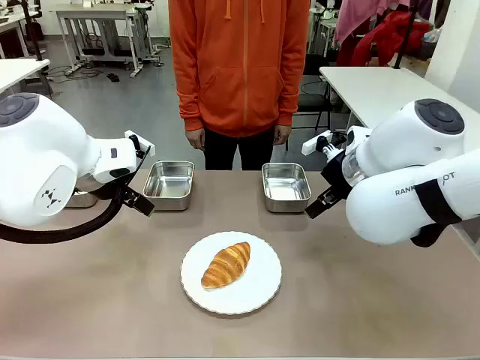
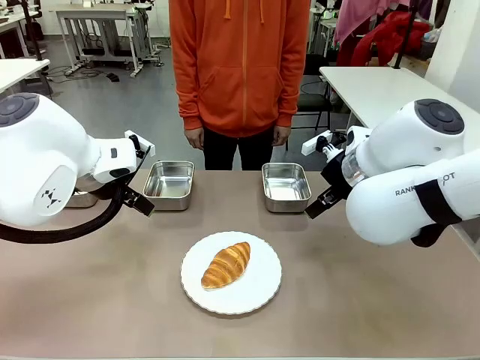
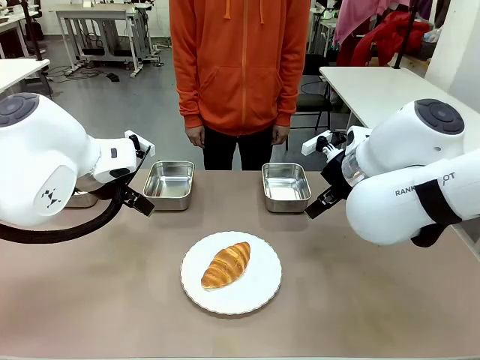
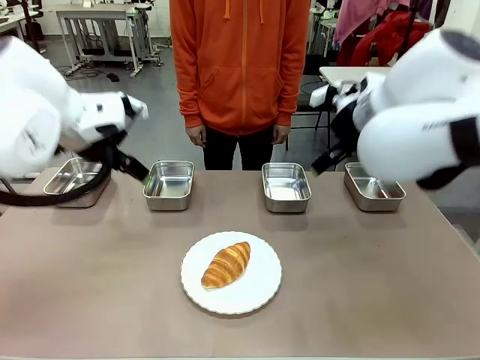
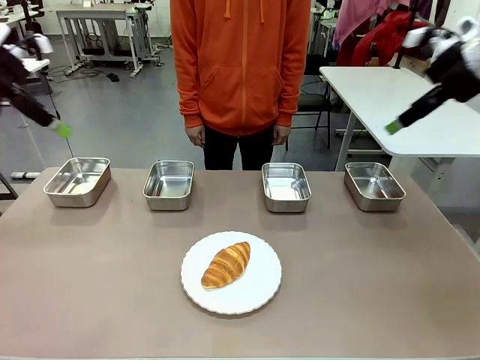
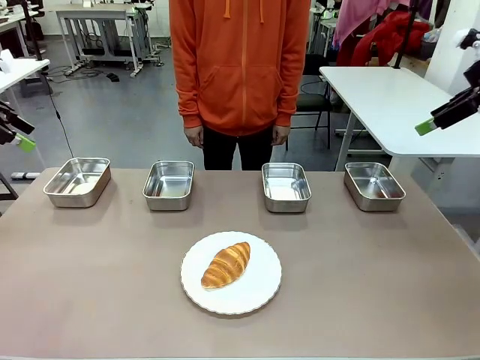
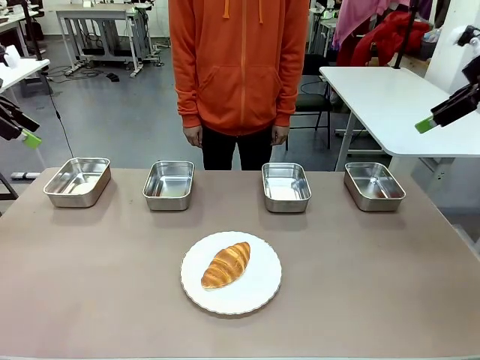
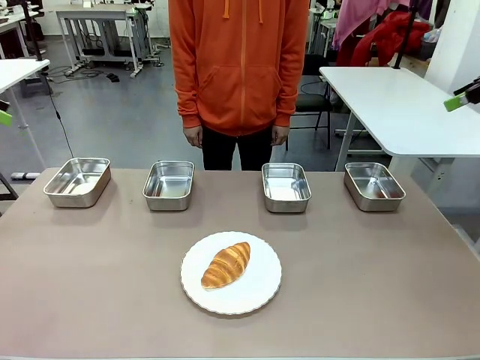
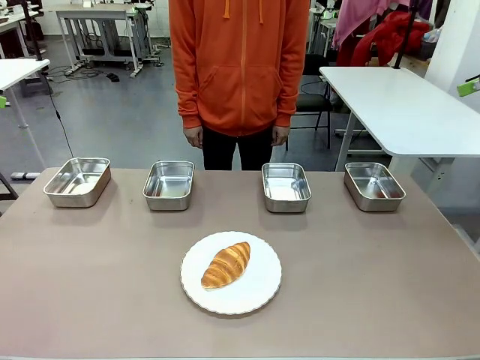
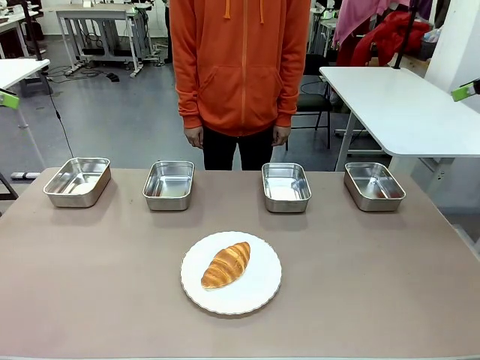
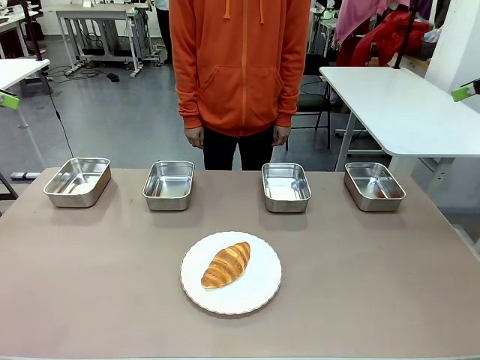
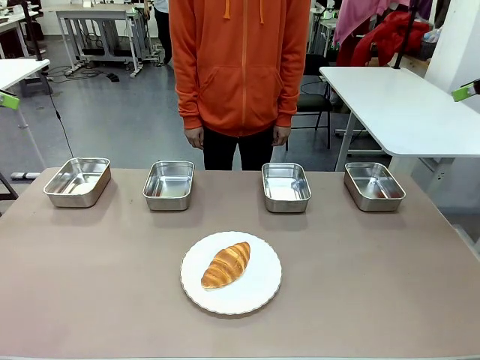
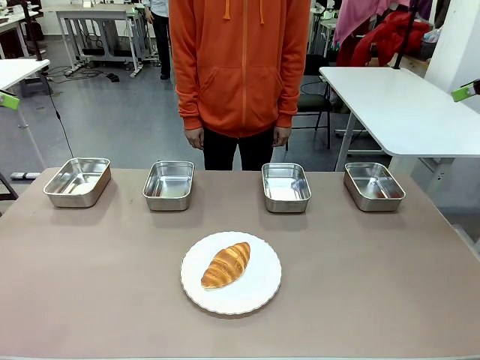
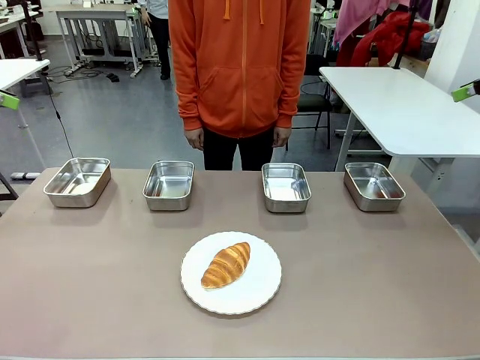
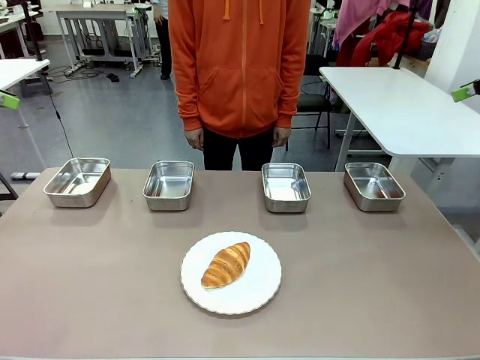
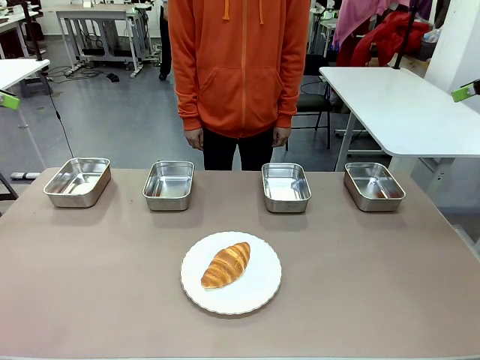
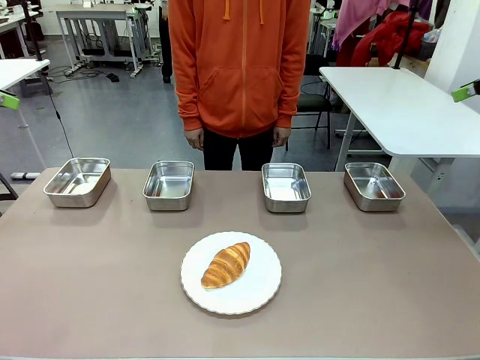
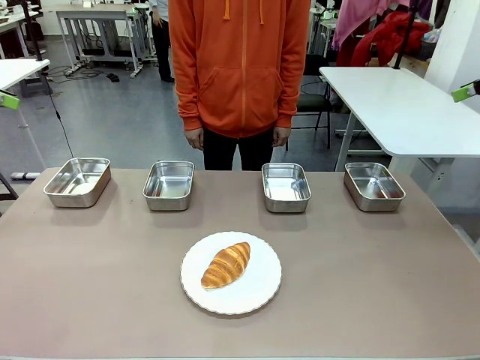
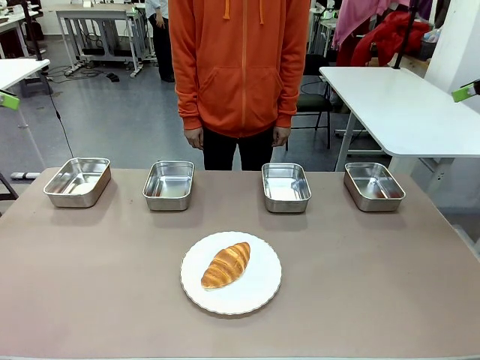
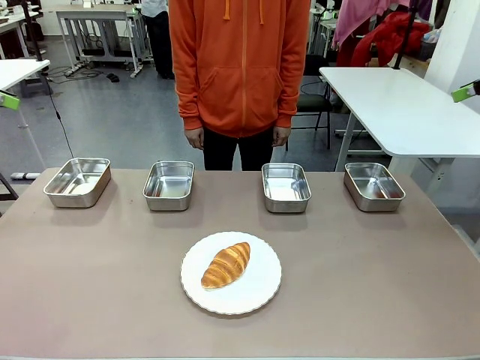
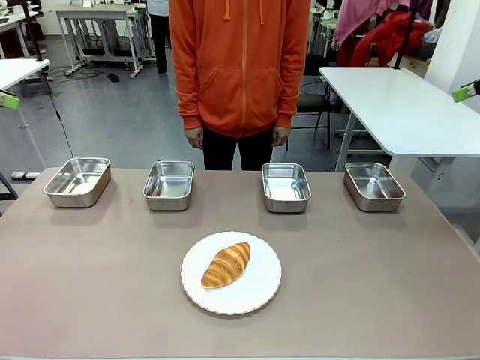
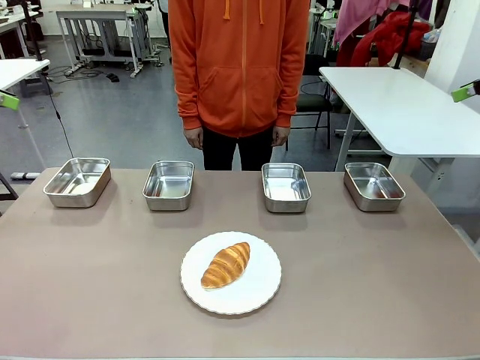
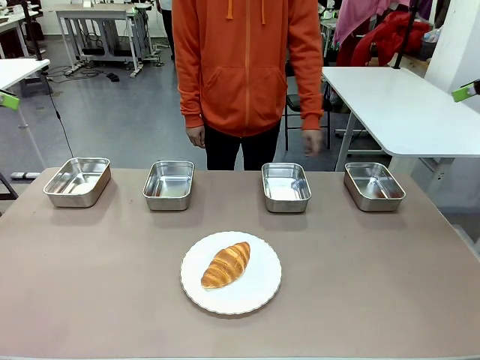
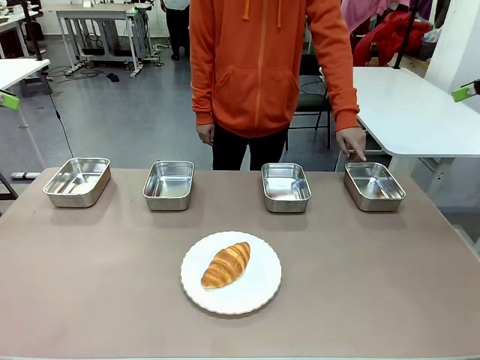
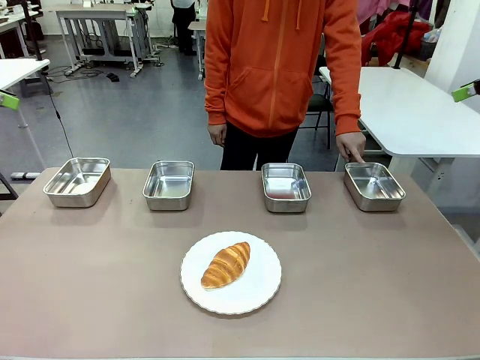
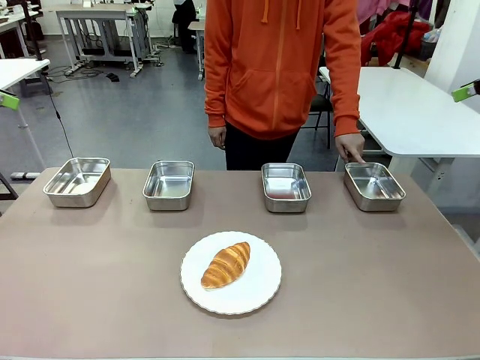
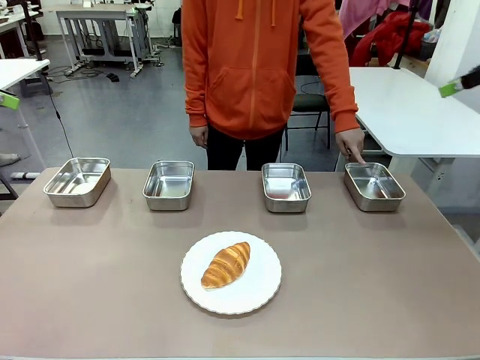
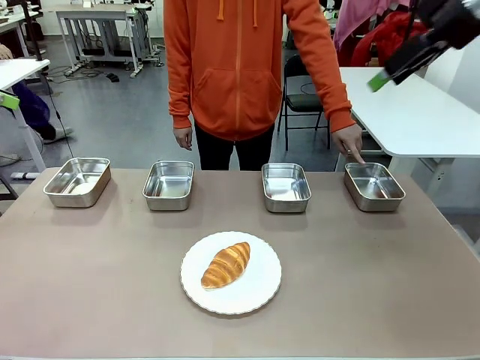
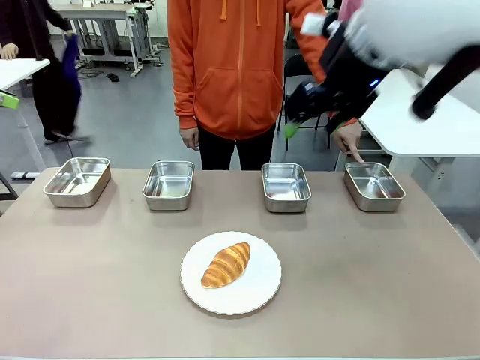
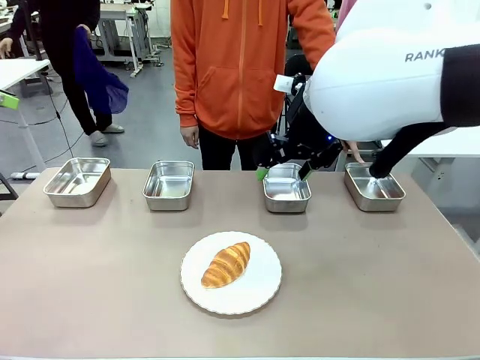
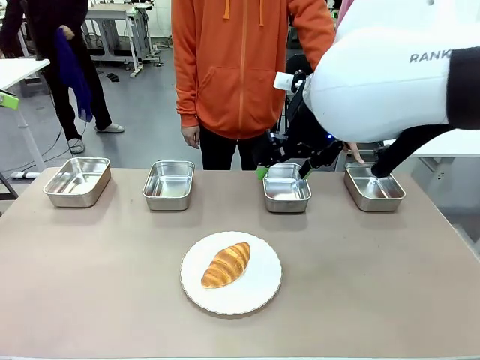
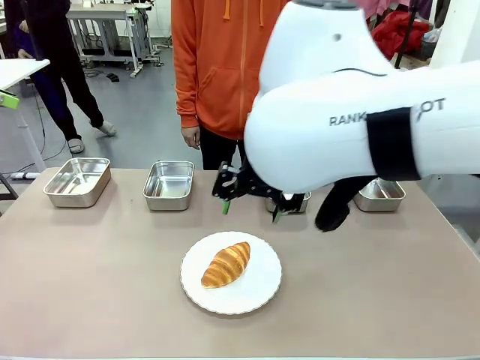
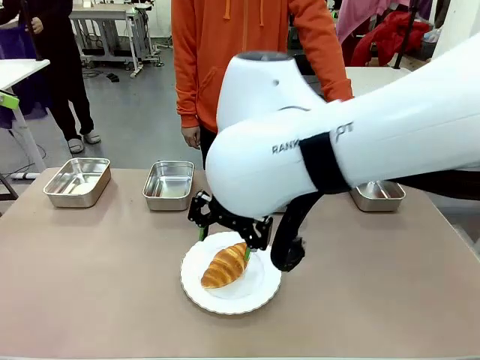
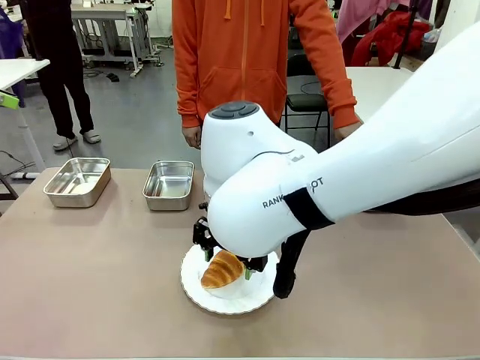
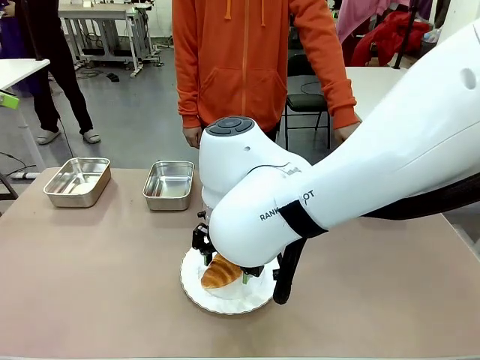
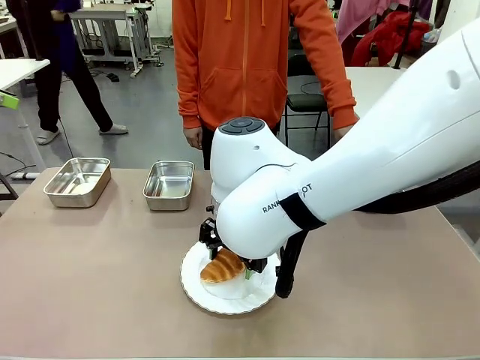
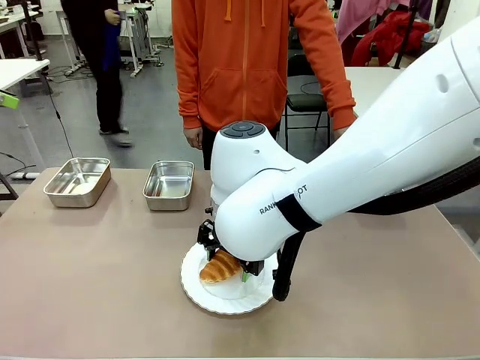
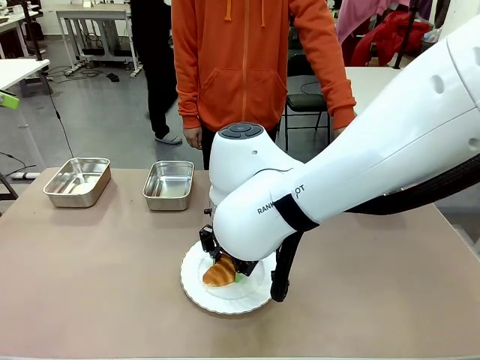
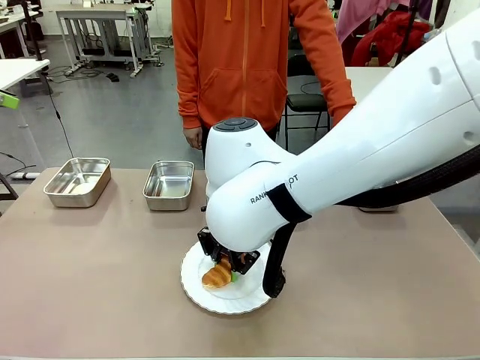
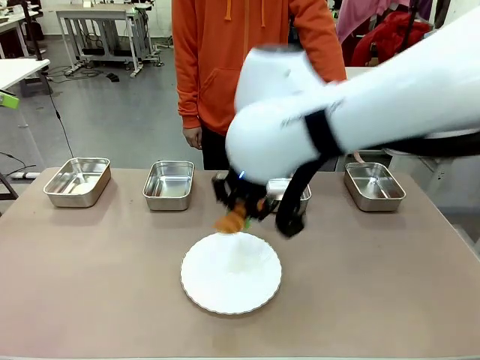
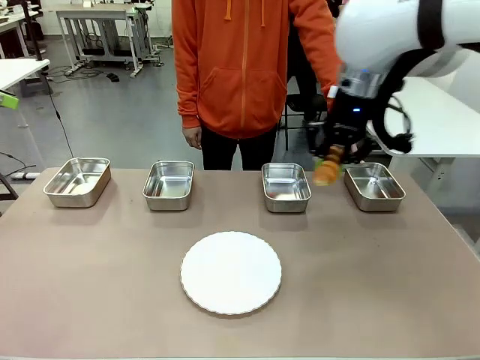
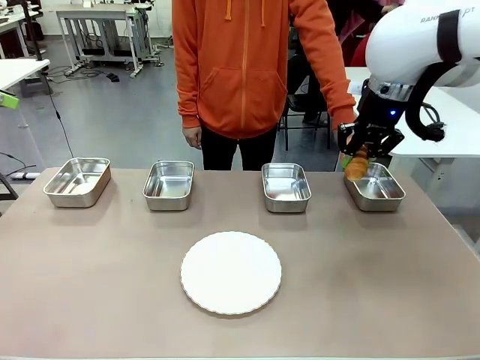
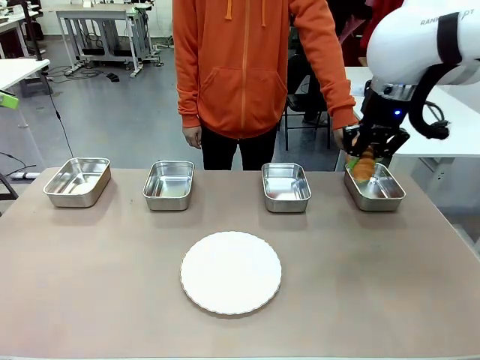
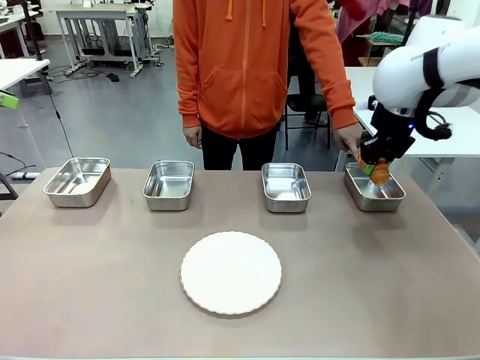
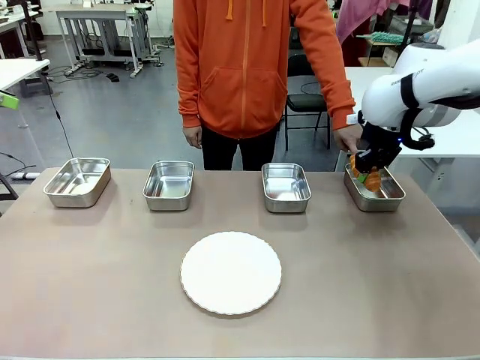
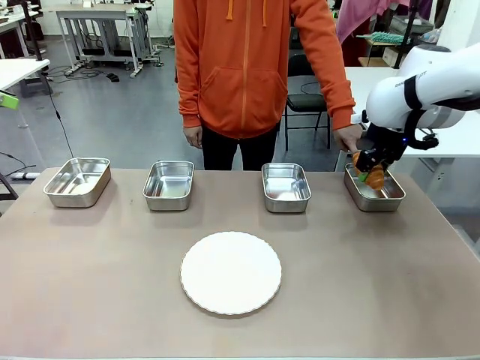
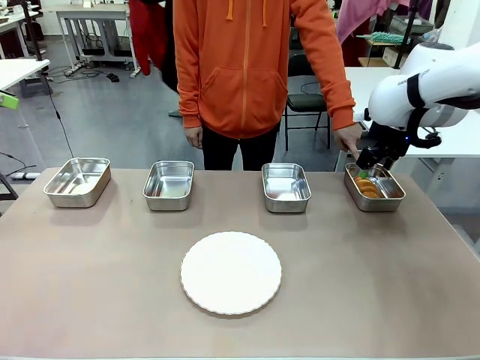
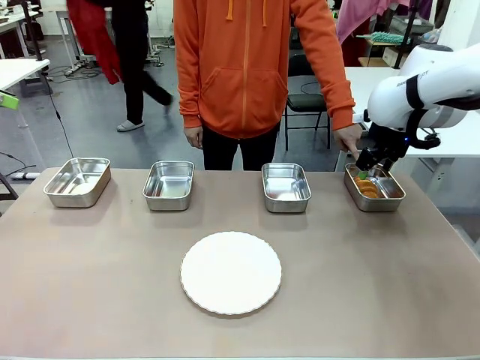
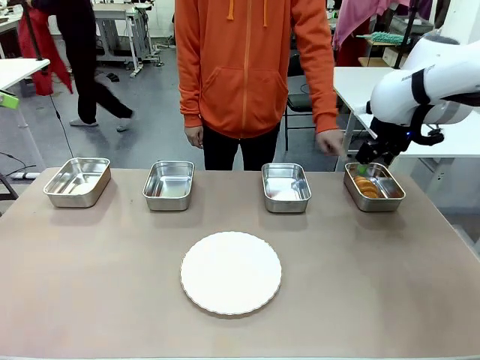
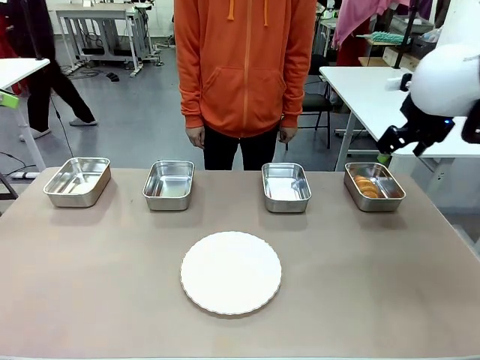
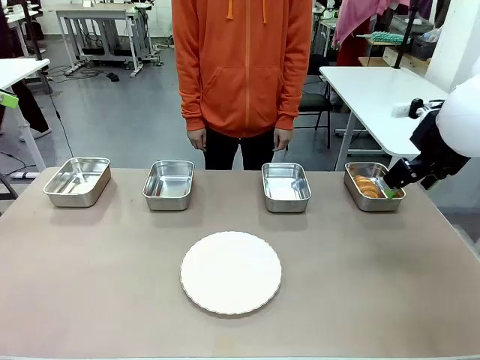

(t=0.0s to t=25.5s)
Task: Place the bread in the container.
Robot: Place the Butter Roll into the Airtight Container indicated by the human.
Person: A person randomly selects and points to an Airtight Container.
